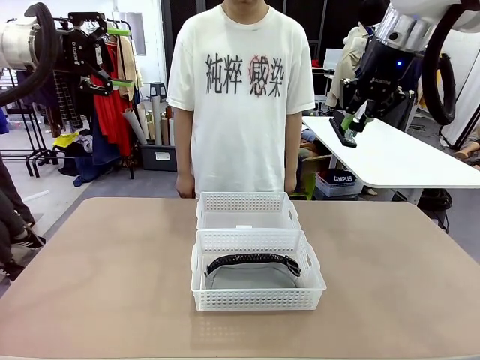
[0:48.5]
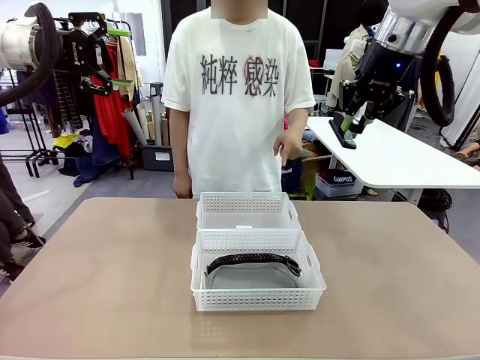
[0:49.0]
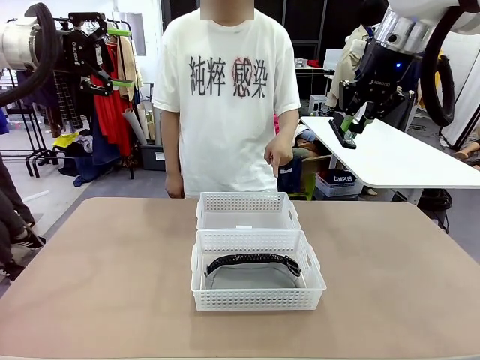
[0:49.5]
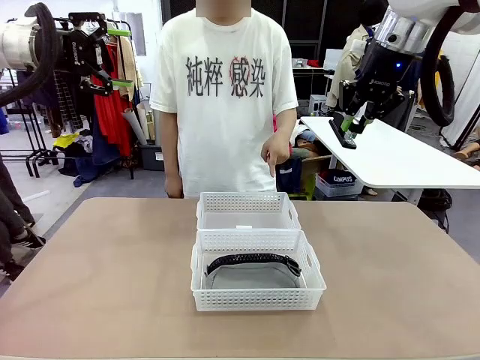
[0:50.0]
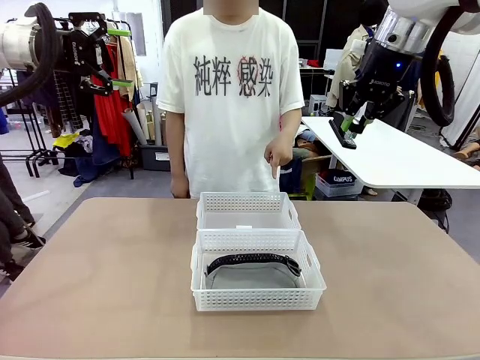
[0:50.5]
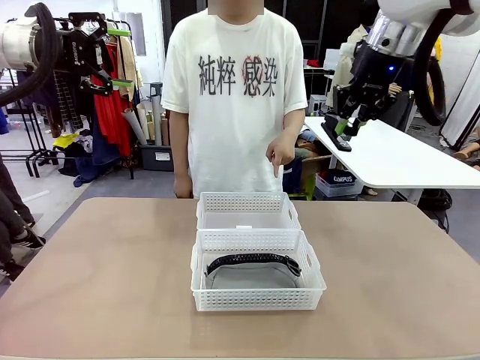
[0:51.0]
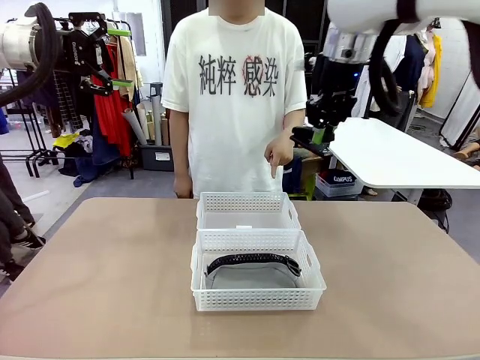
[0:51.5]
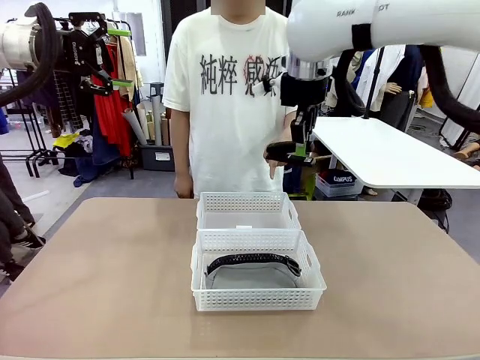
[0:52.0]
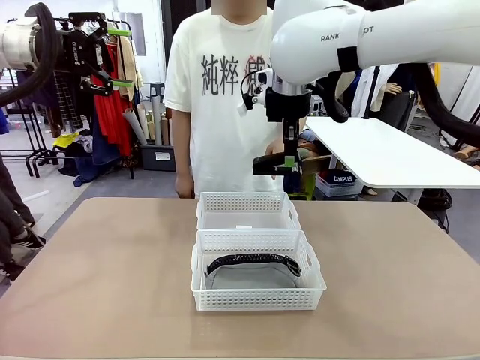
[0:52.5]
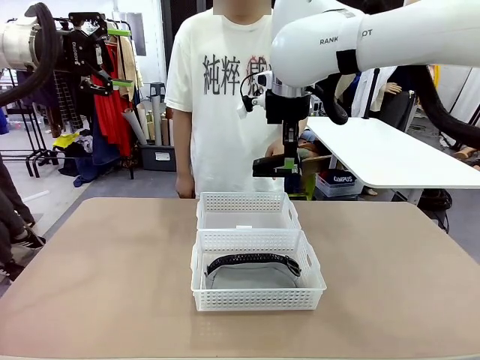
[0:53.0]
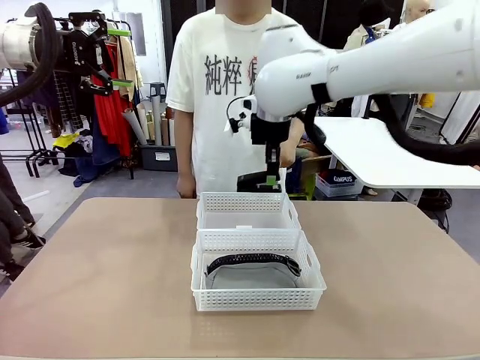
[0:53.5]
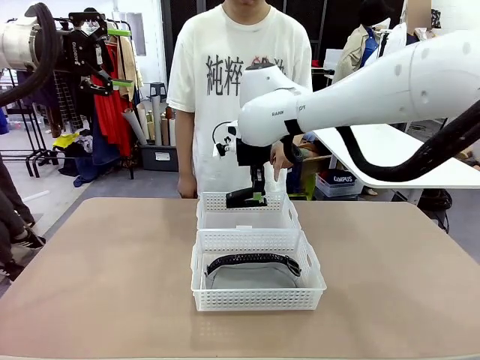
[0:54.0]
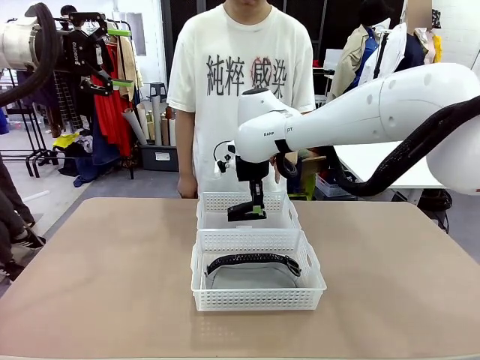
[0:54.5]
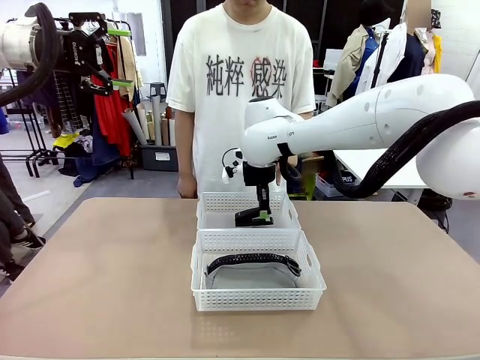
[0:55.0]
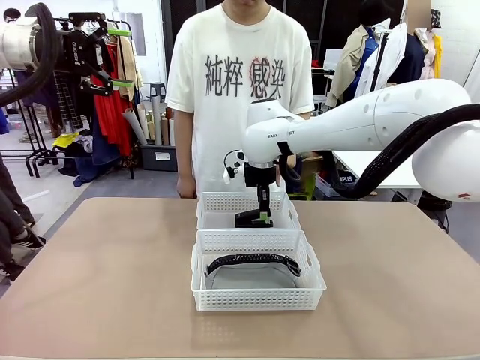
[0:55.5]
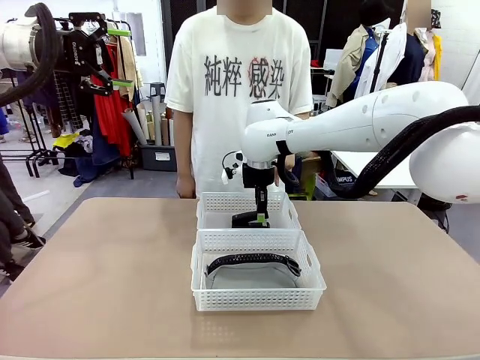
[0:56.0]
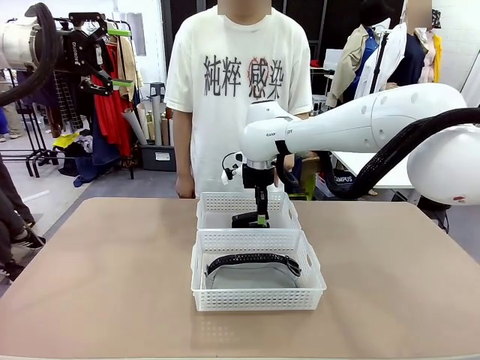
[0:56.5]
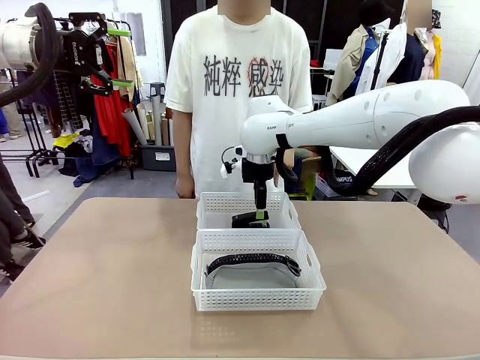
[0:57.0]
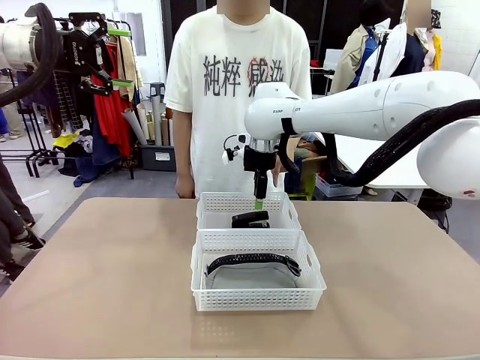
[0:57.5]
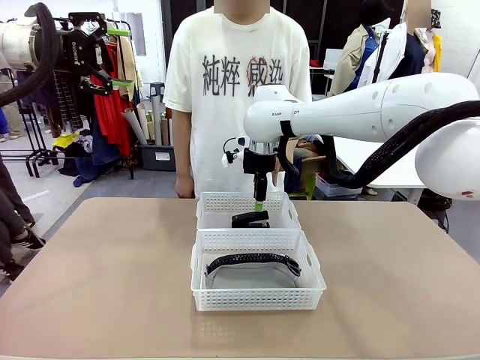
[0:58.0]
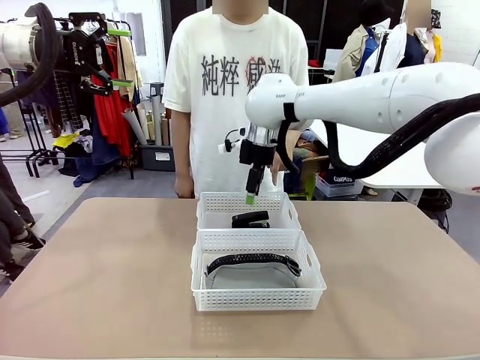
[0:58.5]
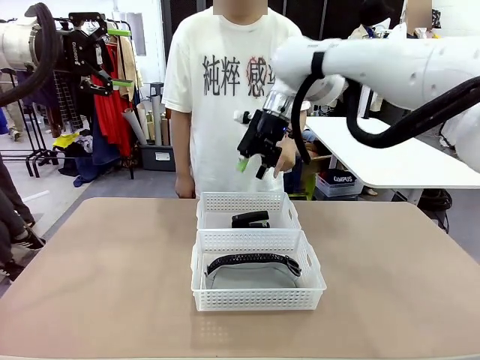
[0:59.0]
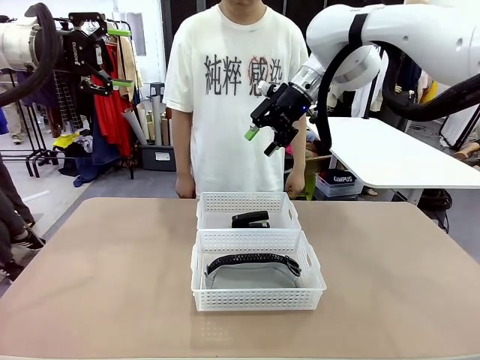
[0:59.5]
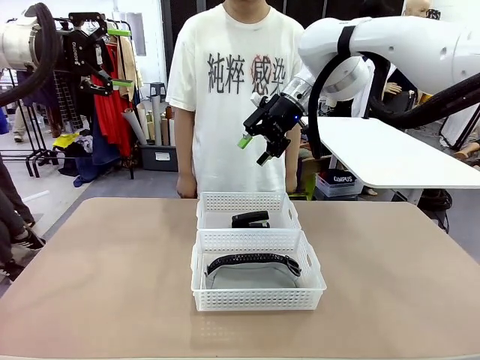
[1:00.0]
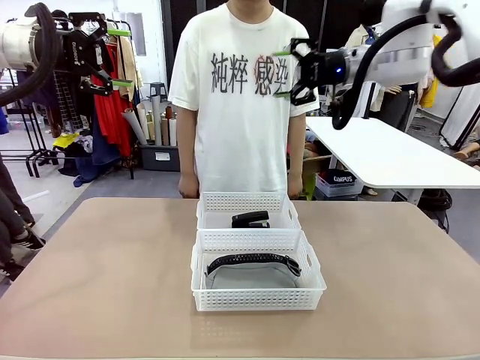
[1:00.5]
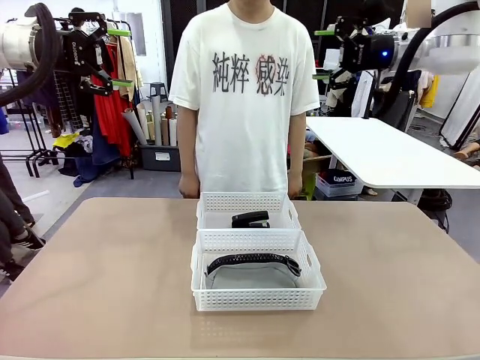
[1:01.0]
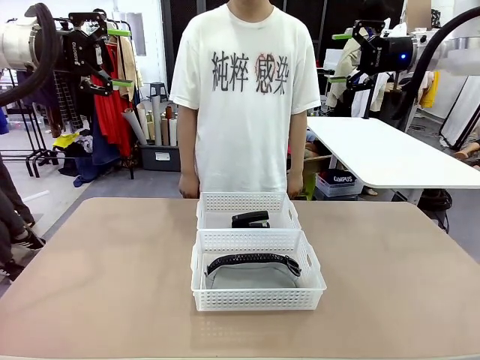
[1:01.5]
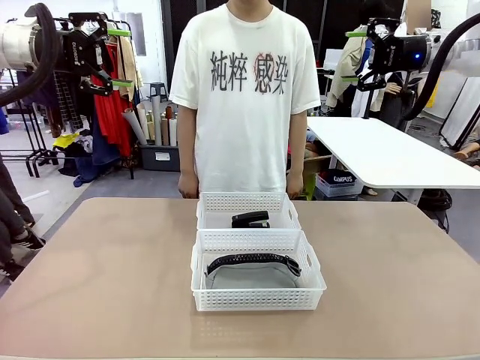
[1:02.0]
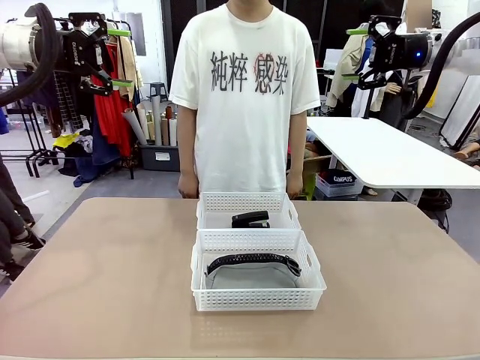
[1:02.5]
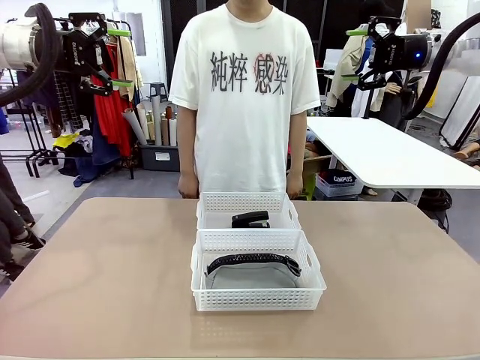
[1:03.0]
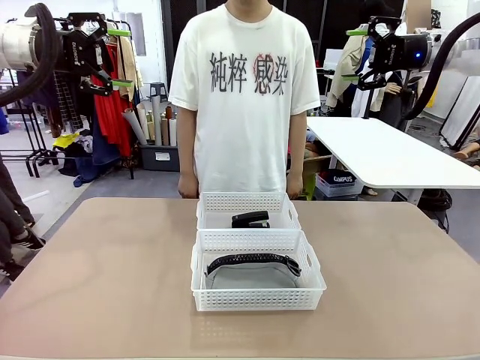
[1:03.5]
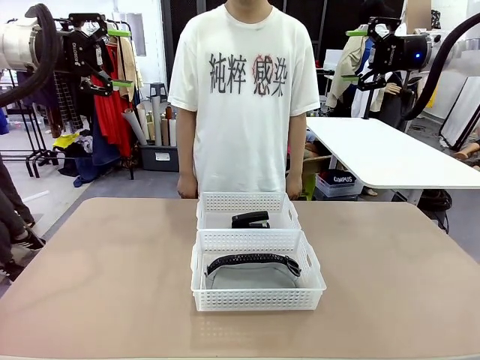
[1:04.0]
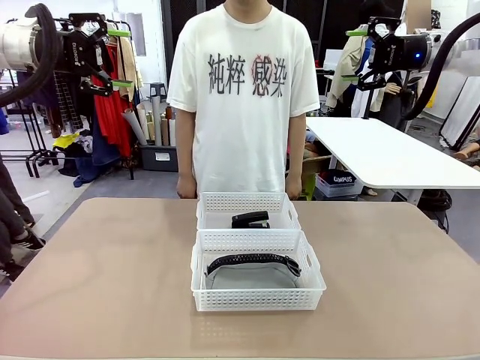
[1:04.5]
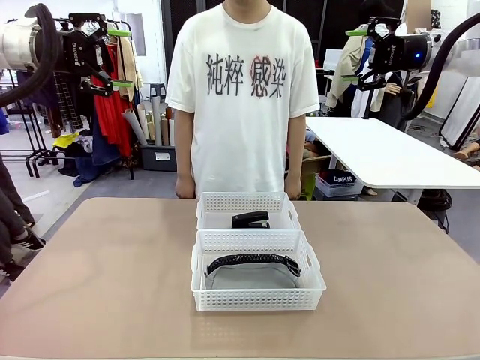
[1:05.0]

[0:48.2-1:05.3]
Task: Distribute items into two baskets.
Robot: Place the picked Stapler into the Organizing basket as instructed by the person.
Person: Points to the basket that does not contain the pencil case and instructs the robot to move the stapler there.
